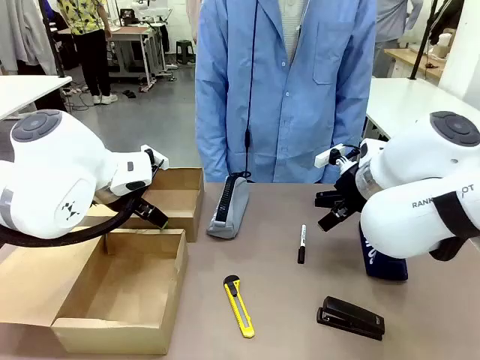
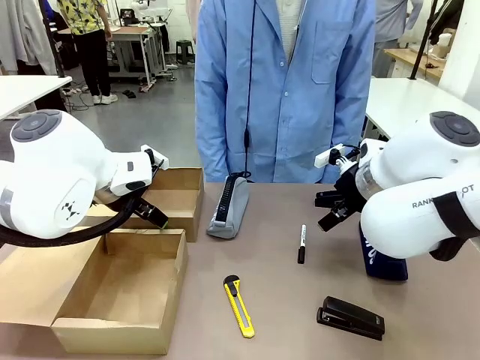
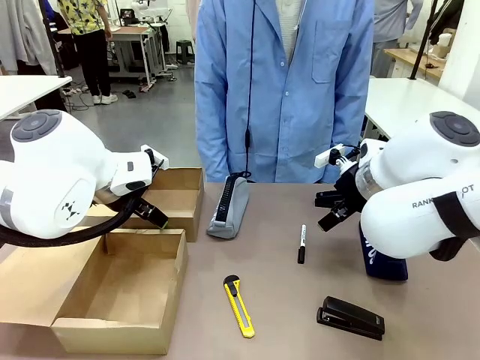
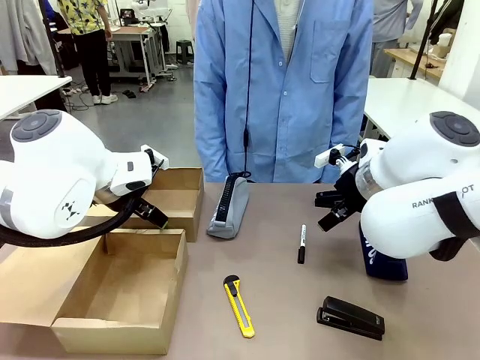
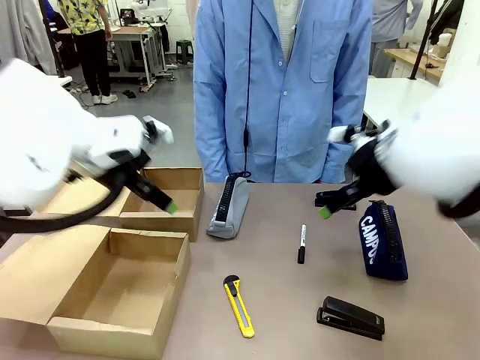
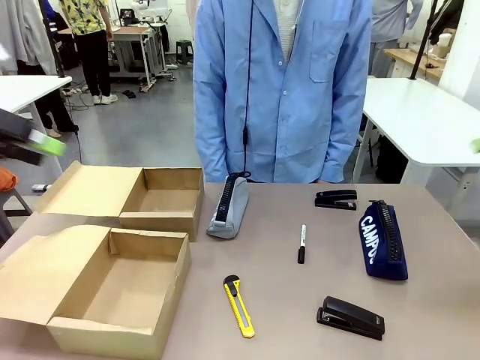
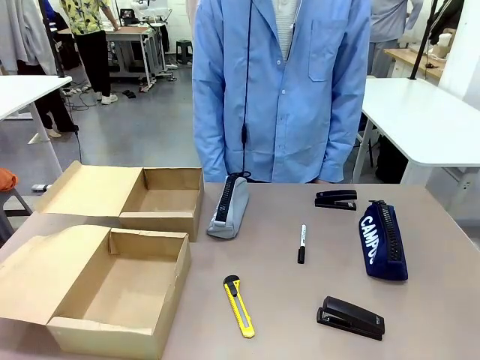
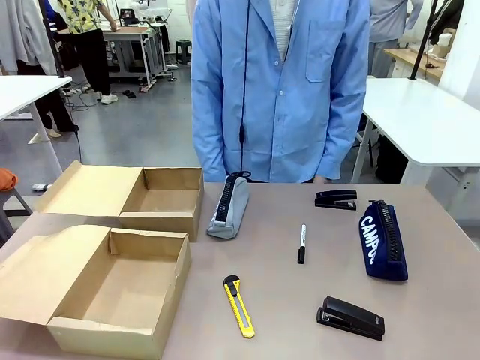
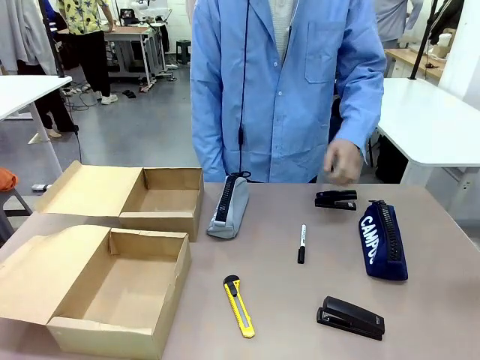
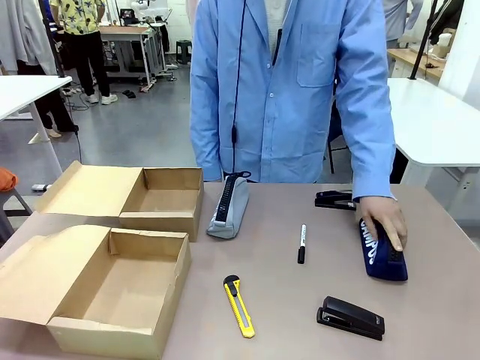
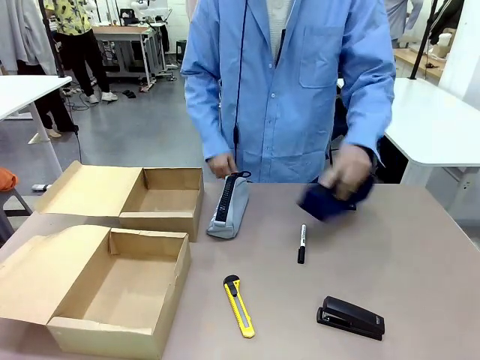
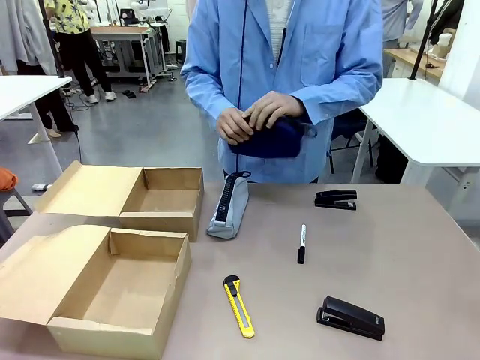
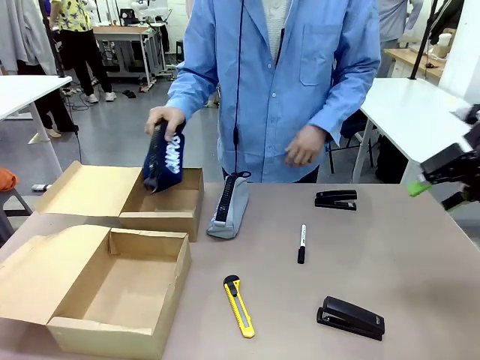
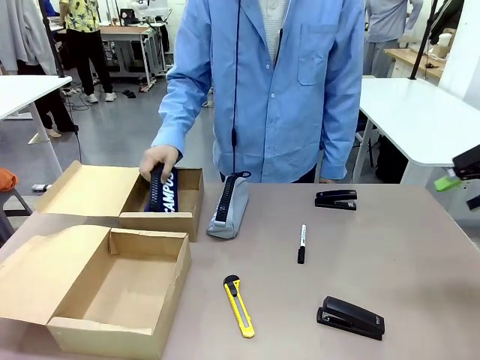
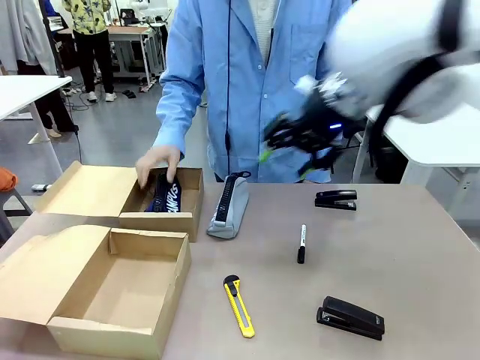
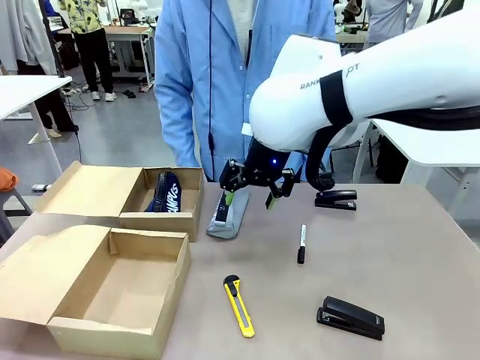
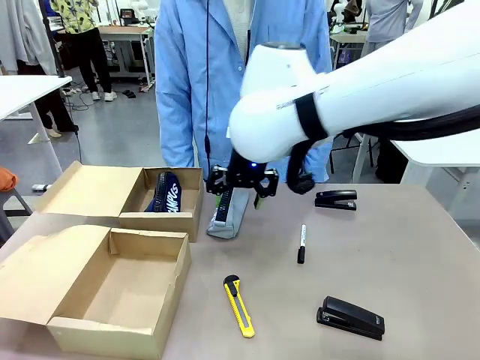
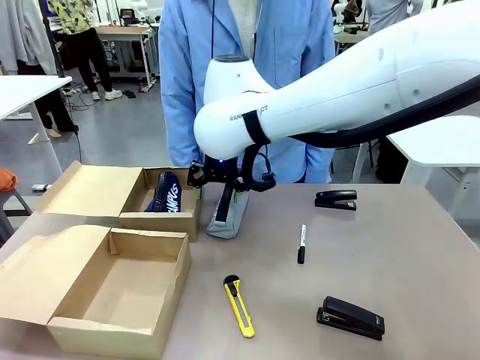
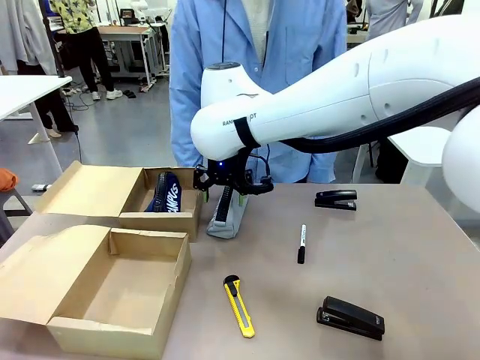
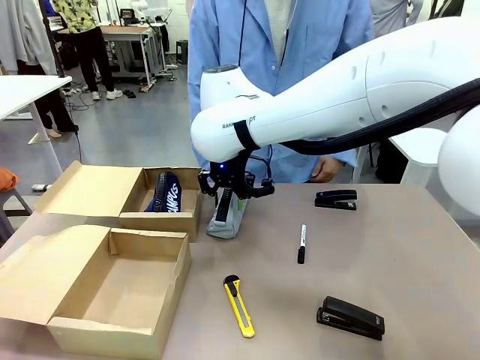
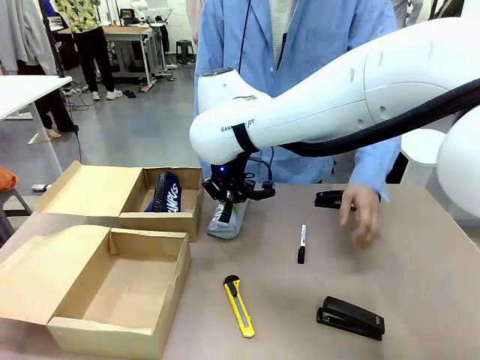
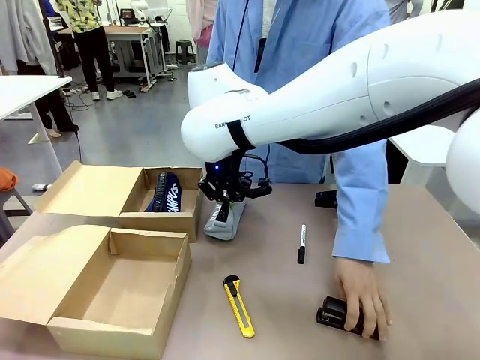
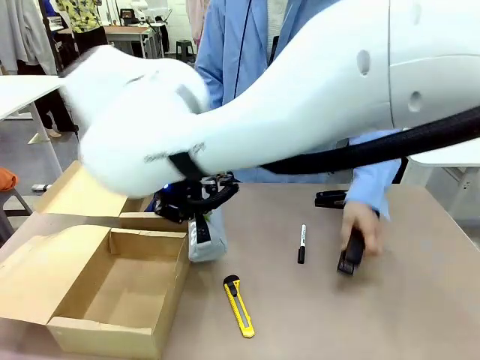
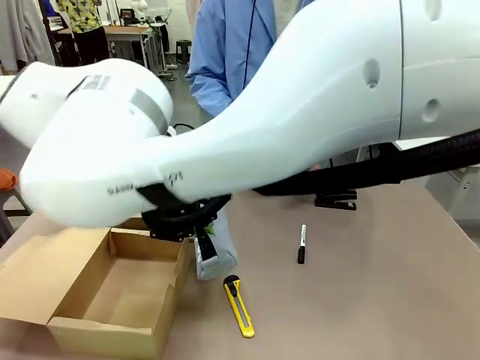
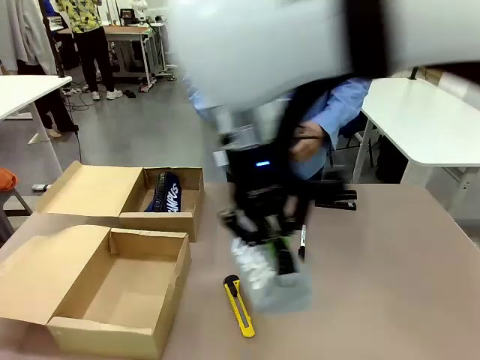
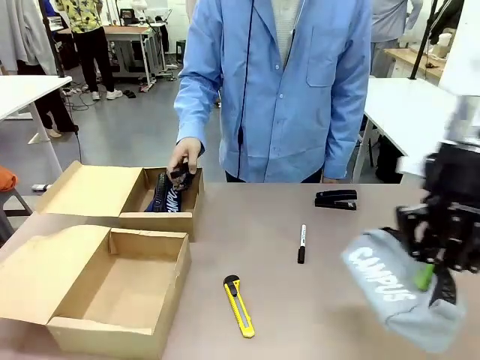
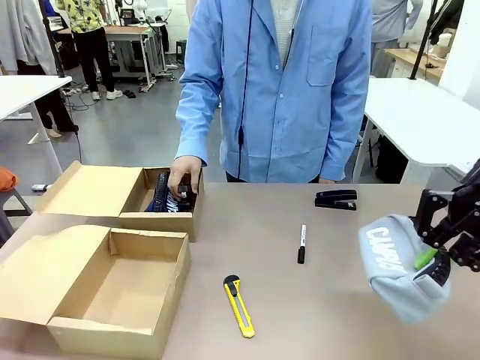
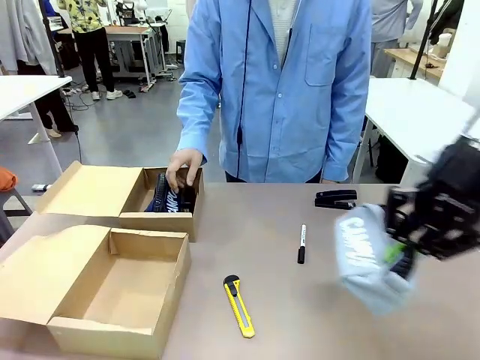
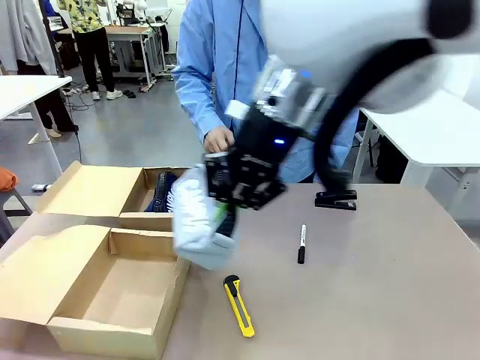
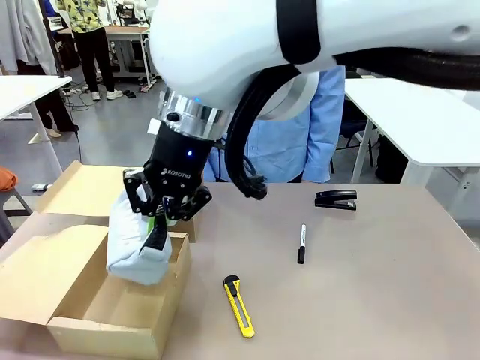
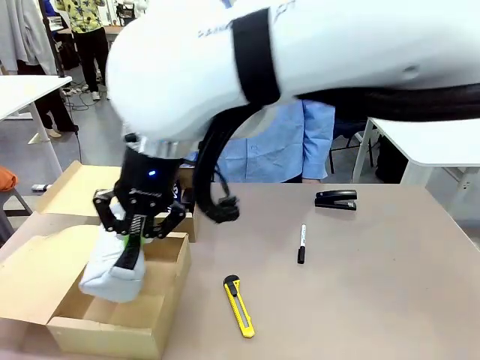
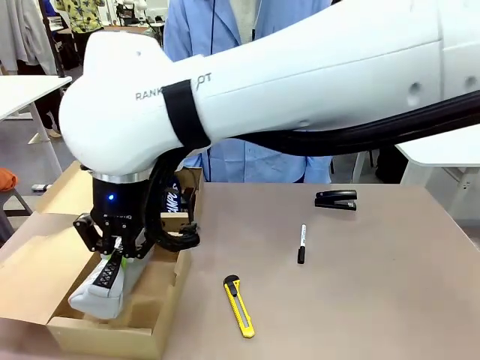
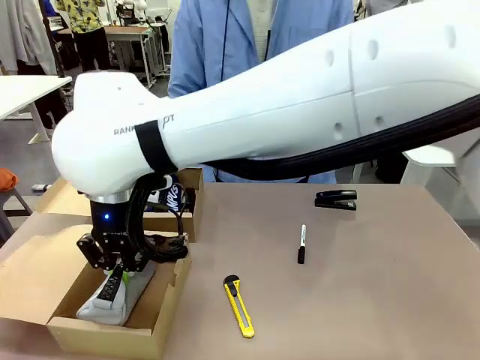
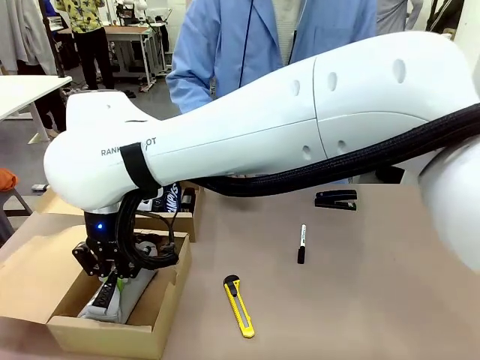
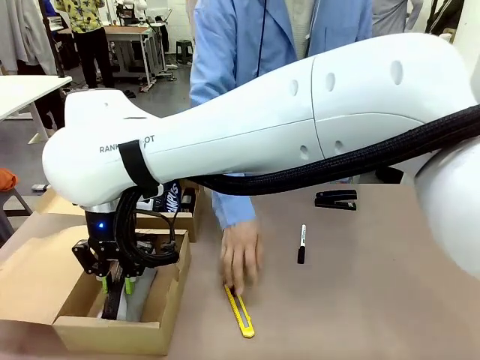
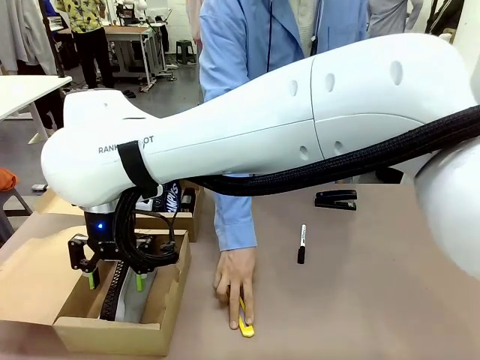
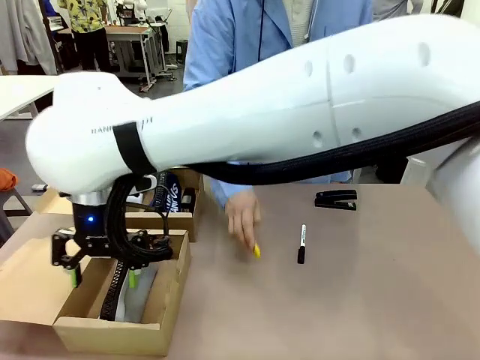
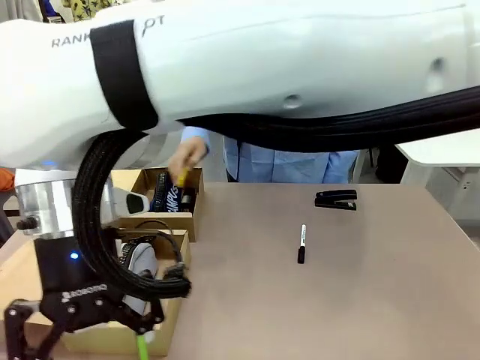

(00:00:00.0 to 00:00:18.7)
Task: Place items inside the box.
Robot: Pick up a Pencil pouch or Stapler and place it inside the Mailer Box closest to the robot.
Person: Pick up an object on the table and put it in the box.
